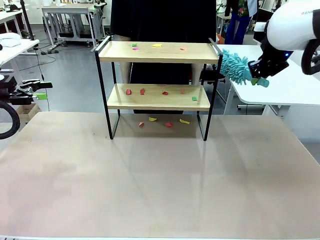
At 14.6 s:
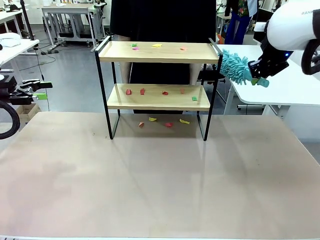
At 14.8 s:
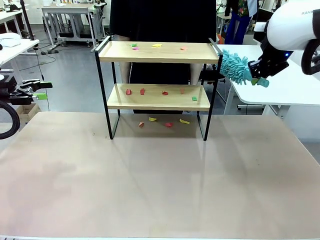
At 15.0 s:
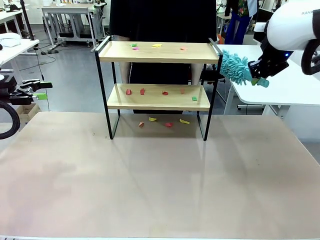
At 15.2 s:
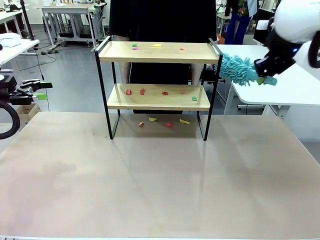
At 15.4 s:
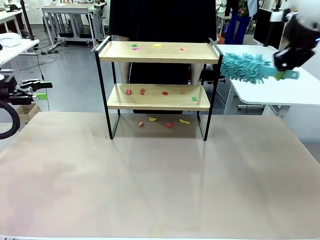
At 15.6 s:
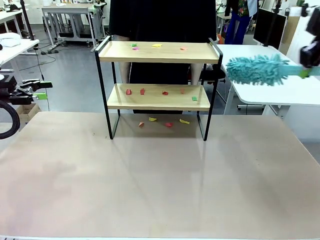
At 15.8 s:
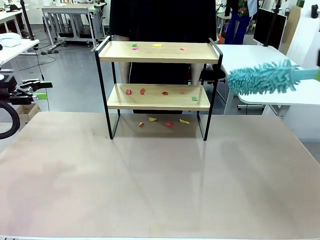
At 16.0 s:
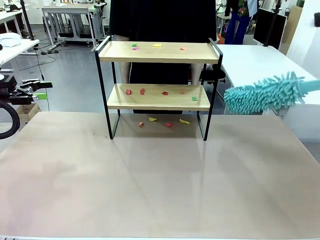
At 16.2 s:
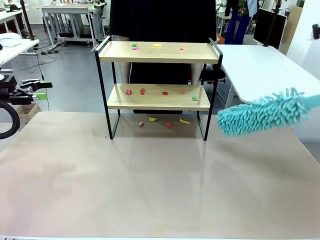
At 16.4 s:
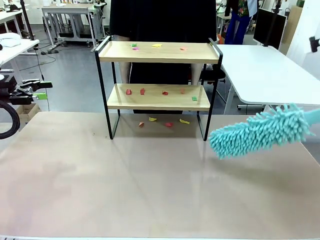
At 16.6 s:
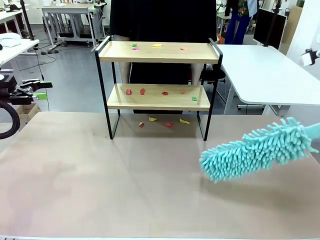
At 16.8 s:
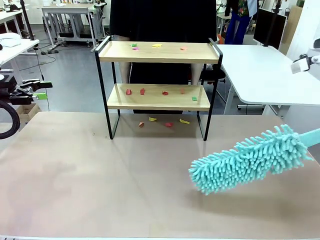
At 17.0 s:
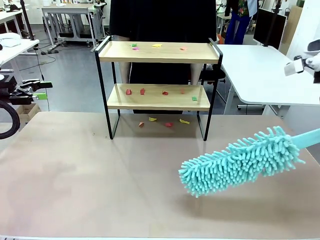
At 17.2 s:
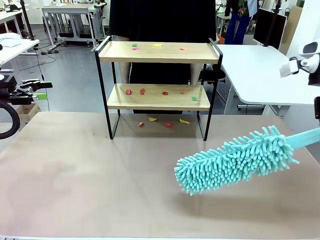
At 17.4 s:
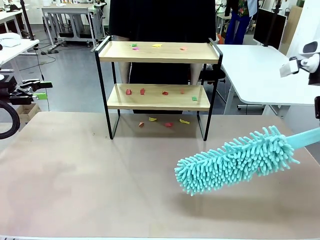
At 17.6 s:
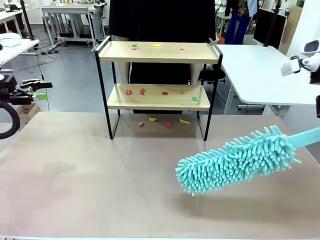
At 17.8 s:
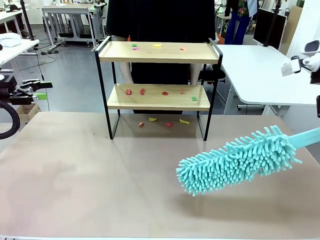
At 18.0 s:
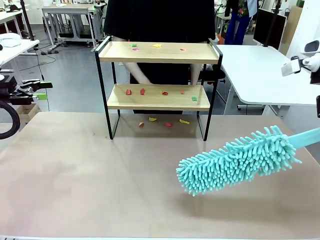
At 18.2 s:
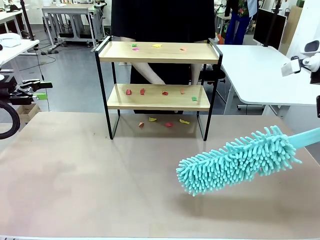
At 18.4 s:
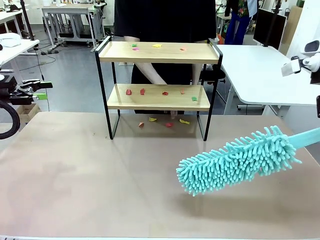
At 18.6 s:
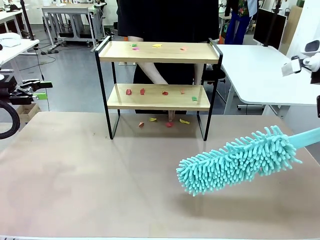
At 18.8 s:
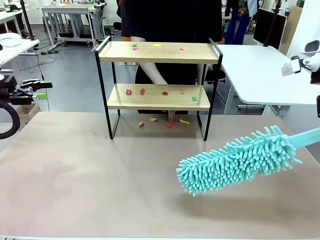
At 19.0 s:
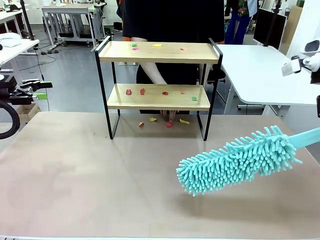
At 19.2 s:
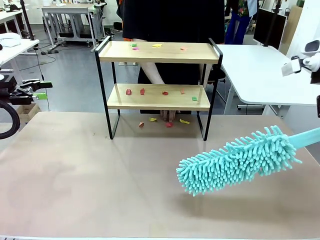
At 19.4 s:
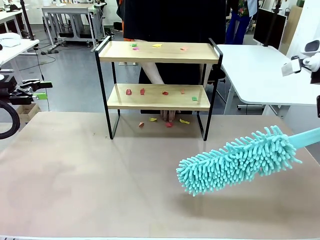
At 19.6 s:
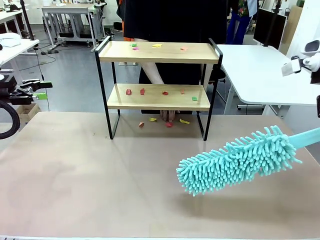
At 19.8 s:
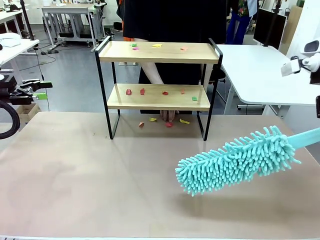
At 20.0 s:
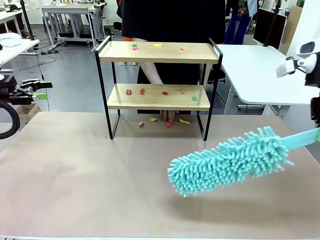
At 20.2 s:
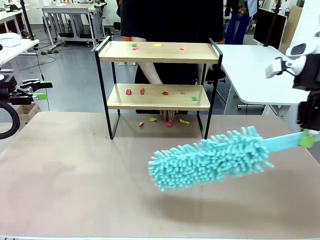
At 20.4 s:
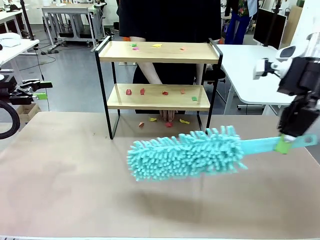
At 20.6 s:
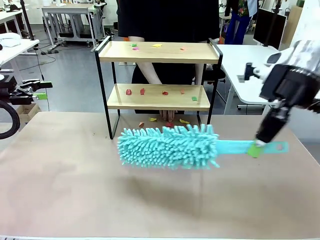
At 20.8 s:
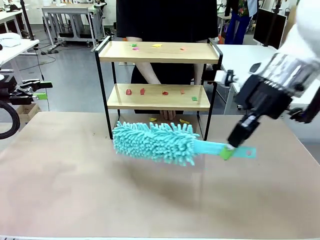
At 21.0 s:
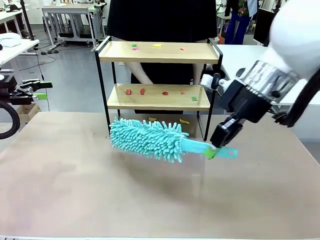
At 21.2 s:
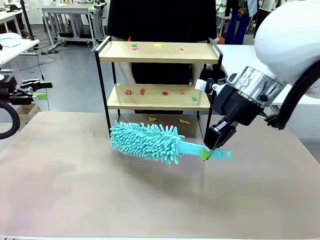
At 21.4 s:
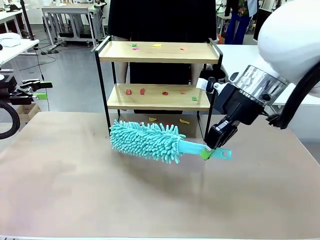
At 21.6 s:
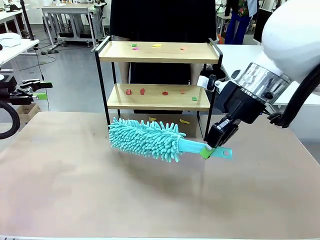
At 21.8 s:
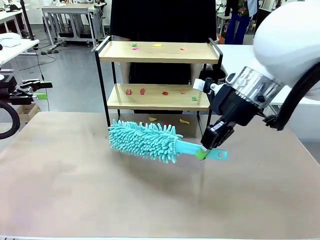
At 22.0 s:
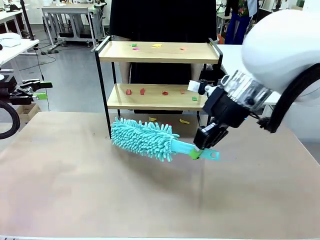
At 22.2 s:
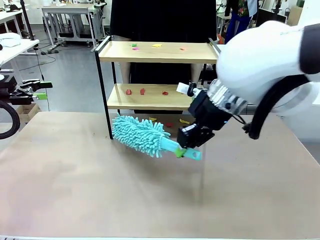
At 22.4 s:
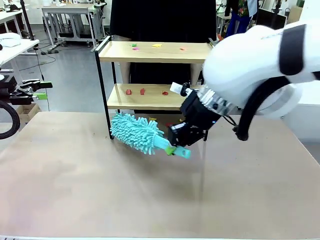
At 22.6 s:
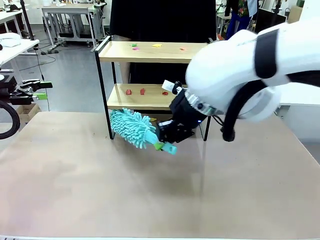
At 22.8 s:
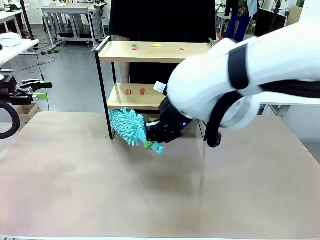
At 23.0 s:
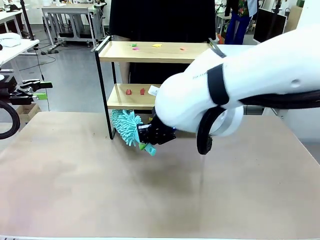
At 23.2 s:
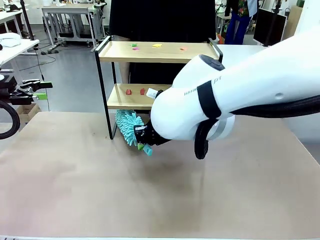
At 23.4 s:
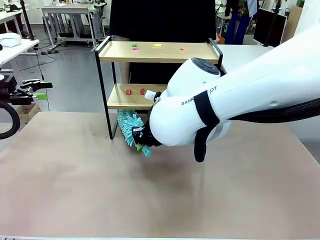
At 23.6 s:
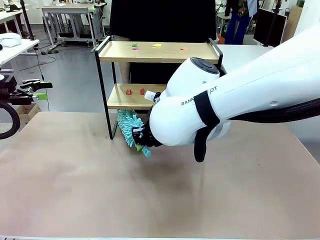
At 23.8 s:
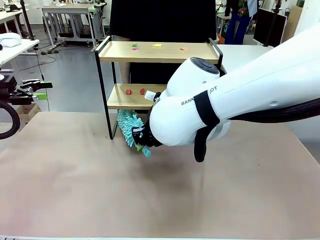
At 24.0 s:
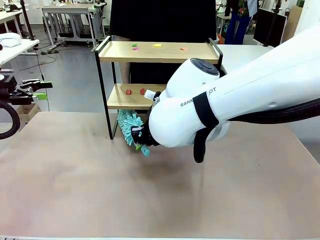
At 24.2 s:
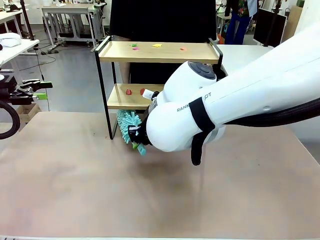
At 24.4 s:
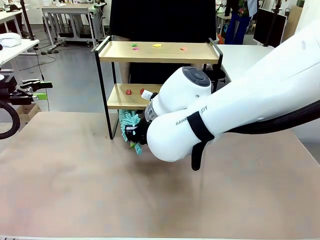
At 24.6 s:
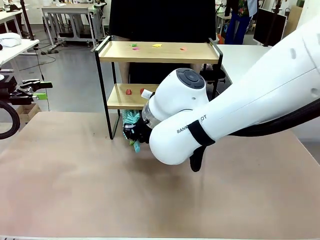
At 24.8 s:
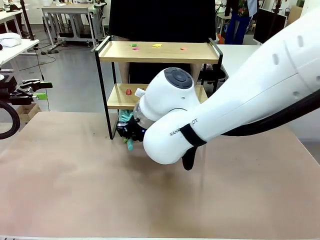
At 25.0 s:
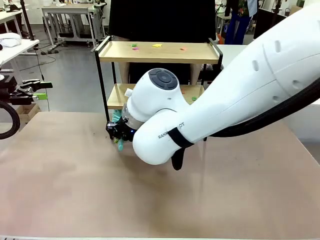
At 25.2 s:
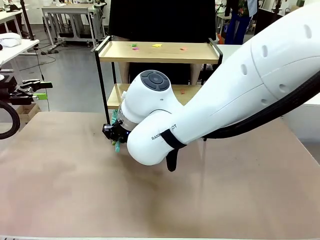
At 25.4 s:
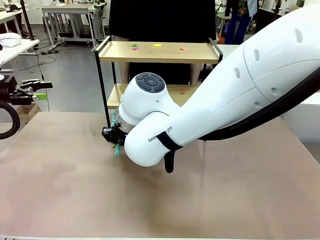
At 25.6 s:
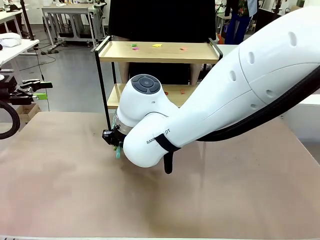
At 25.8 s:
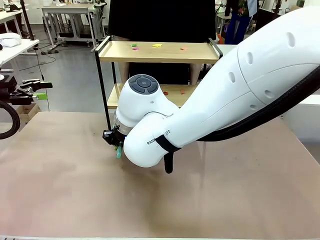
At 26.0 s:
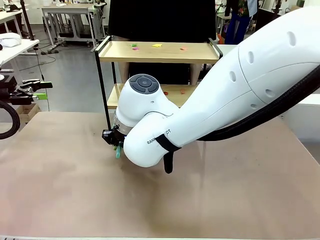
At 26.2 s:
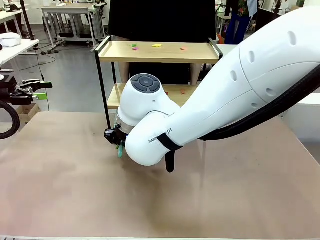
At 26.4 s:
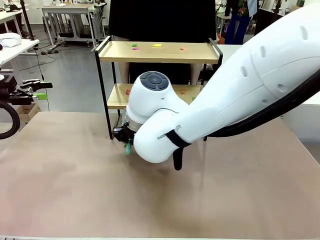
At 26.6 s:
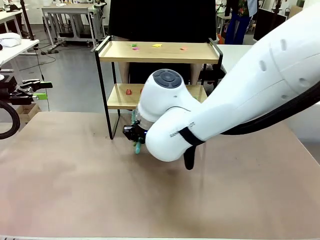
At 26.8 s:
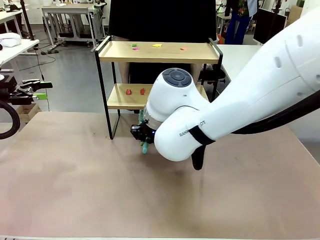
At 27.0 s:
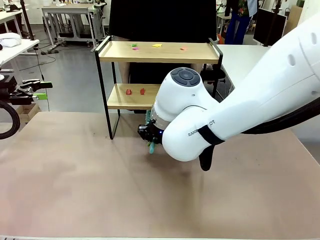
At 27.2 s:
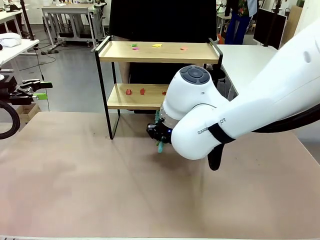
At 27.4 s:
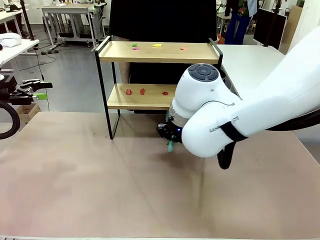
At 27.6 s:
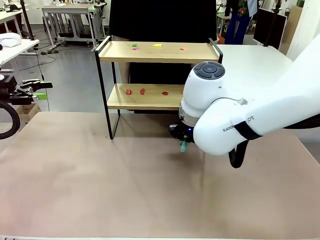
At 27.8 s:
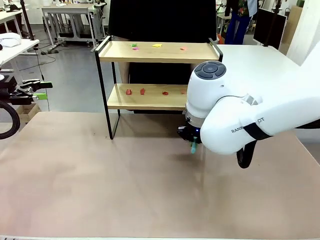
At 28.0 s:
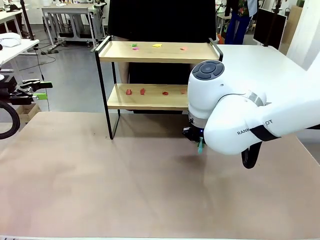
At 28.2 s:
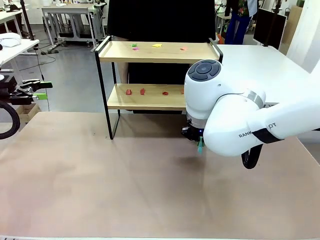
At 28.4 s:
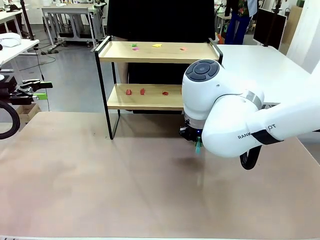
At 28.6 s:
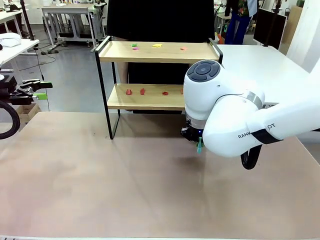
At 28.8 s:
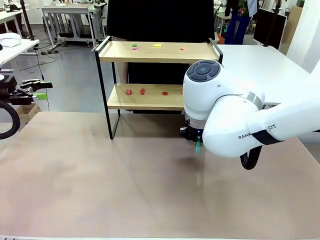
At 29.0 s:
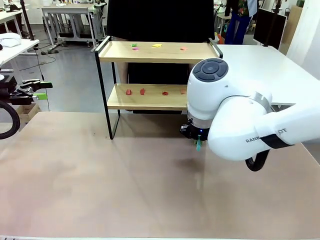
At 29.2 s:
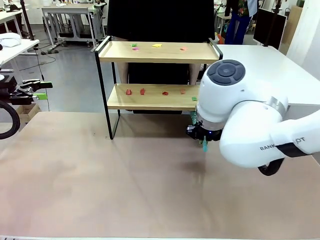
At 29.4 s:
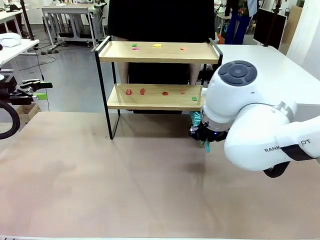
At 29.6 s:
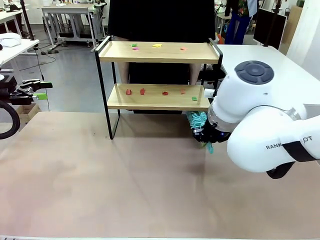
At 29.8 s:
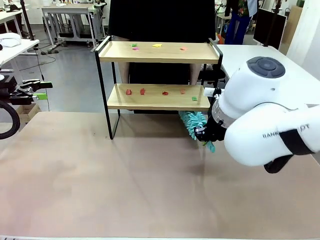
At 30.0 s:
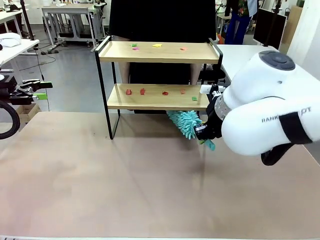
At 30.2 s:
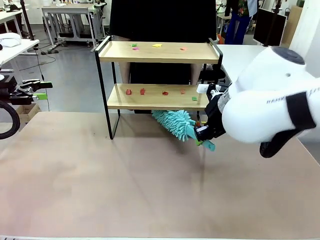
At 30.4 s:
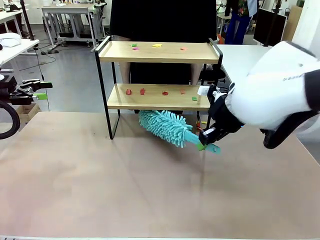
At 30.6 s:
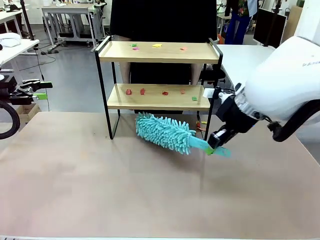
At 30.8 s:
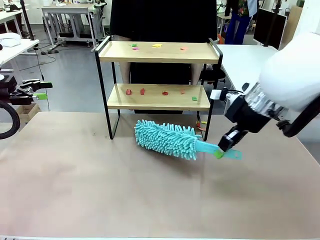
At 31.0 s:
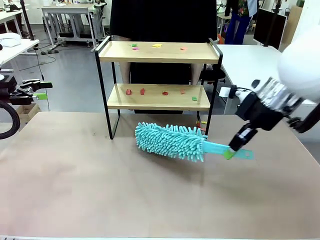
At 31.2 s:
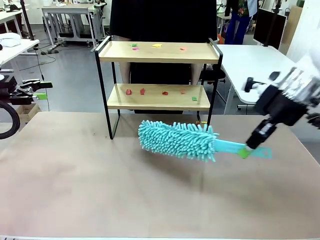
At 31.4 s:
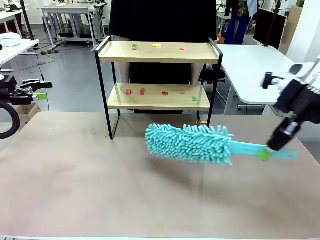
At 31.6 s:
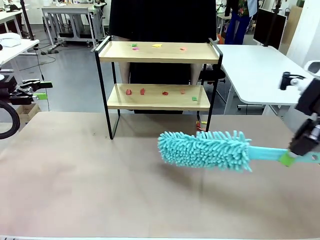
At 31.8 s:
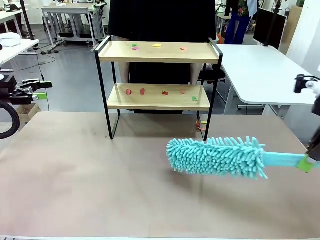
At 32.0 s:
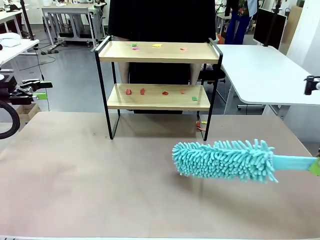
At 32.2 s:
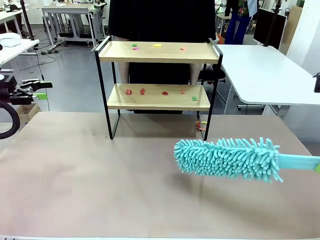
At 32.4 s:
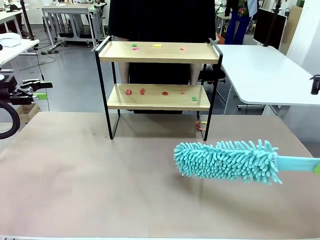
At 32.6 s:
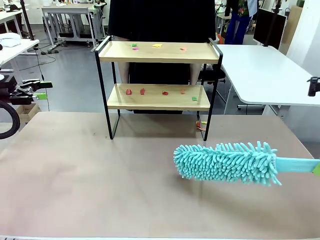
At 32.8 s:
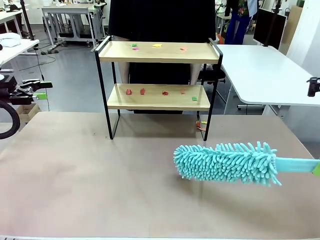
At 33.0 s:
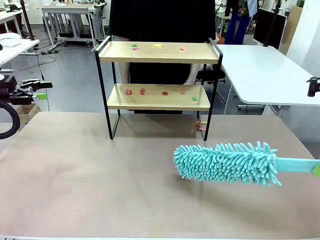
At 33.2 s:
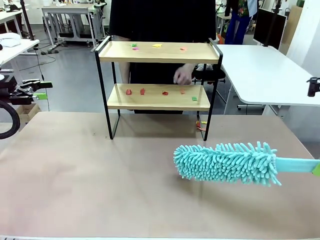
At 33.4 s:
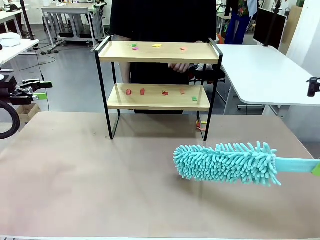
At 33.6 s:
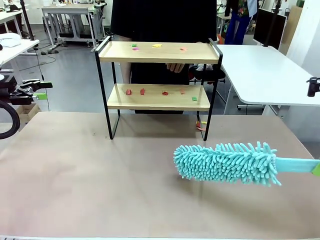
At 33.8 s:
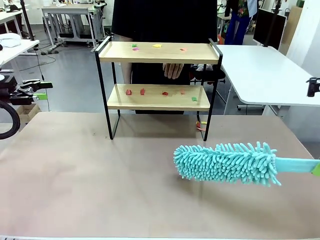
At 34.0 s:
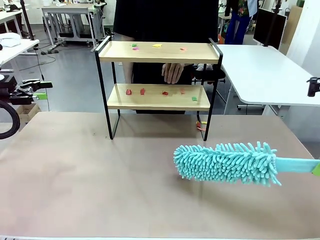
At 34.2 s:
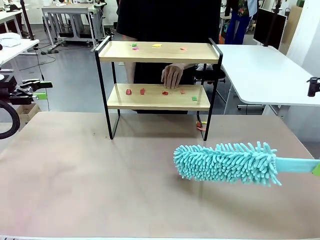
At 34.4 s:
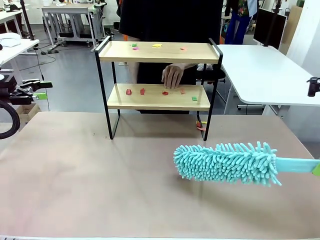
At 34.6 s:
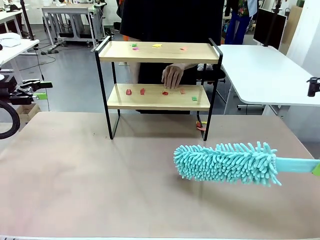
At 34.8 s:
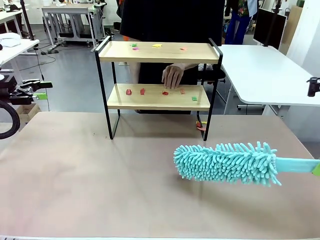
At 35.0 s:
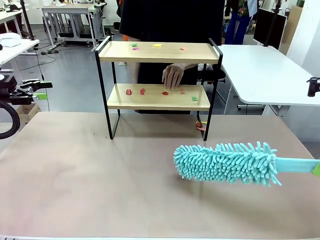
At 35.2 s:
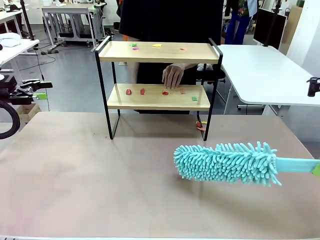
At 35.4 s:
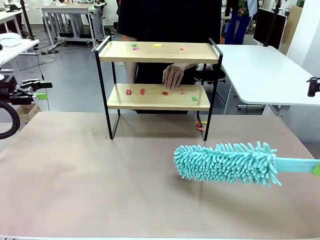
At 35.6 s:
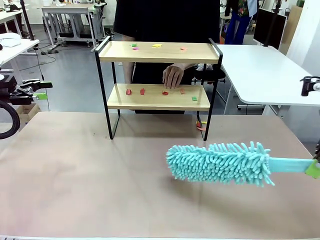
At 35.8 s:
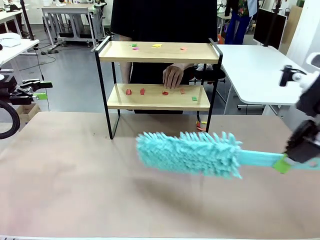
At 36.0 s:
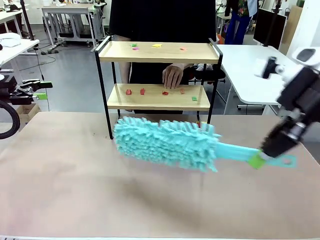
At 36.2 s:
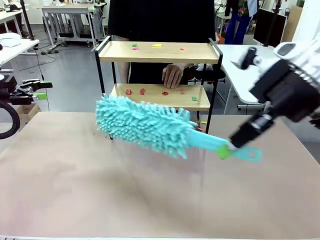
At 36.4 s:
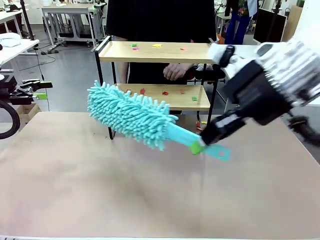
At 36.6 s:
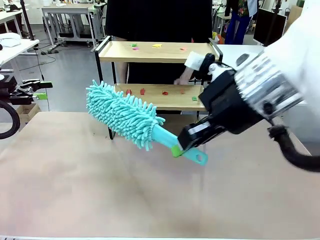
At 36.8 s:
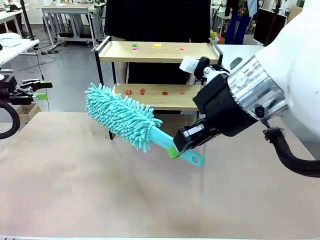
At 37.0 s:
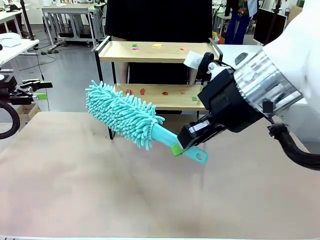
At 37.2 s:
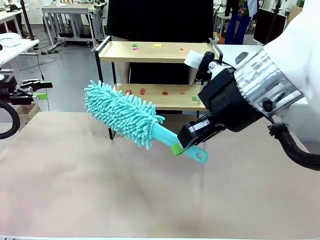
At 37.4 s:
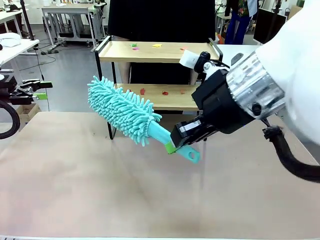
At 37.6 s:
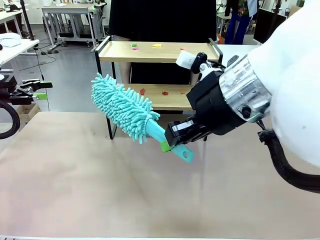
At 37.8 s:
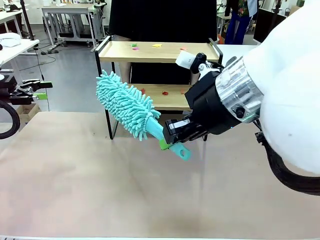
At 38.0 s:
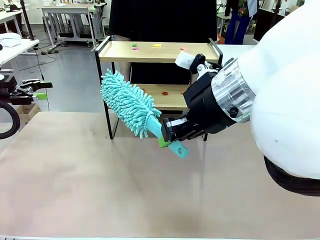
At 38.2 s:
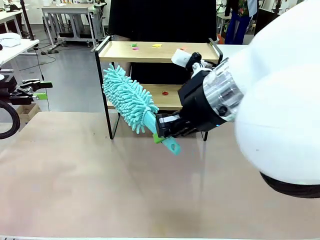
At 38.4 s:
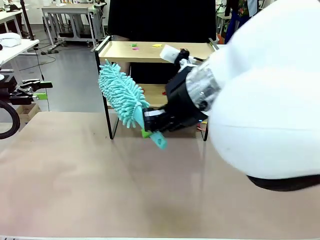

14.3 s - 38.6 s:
Task: Clean the shelf.
Robot: Clean the specific section of the Shelf indicated by the human with the Duster.
Person: Point a random section of the Shelf.
